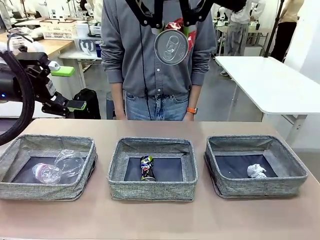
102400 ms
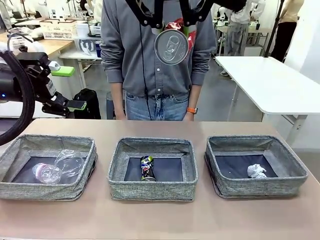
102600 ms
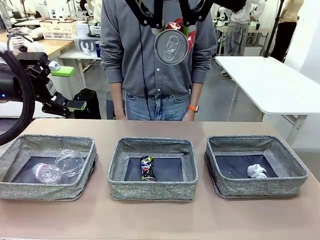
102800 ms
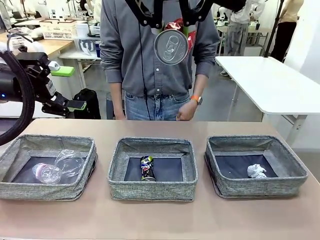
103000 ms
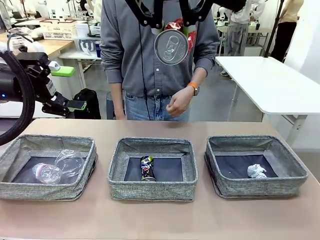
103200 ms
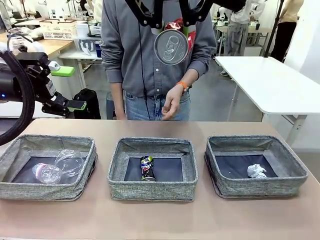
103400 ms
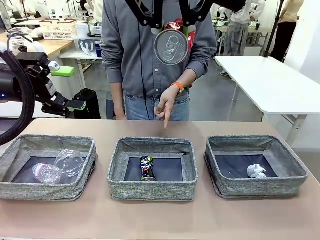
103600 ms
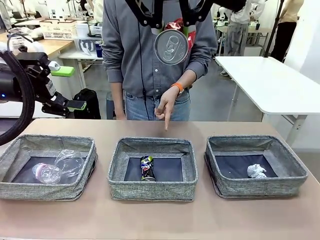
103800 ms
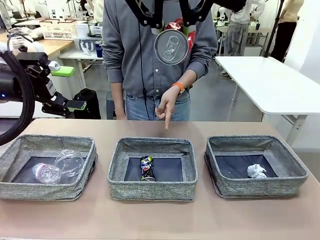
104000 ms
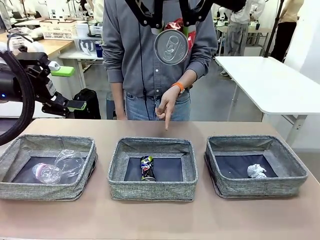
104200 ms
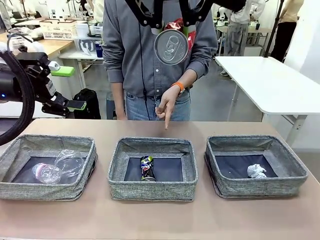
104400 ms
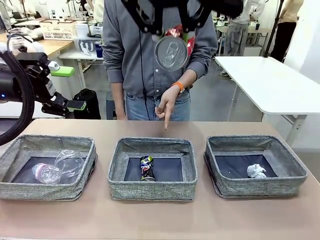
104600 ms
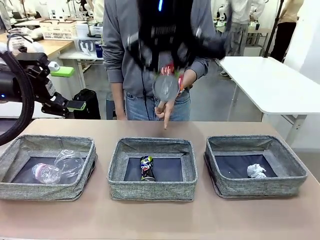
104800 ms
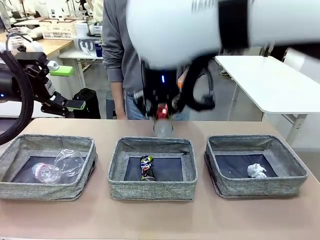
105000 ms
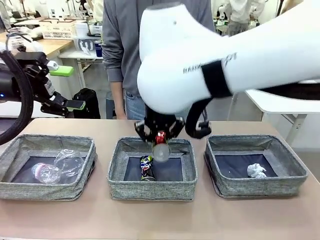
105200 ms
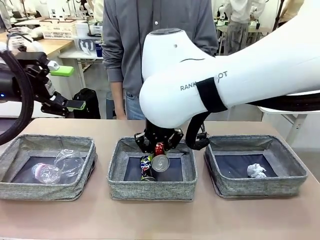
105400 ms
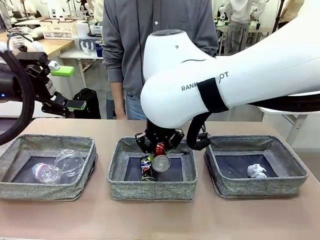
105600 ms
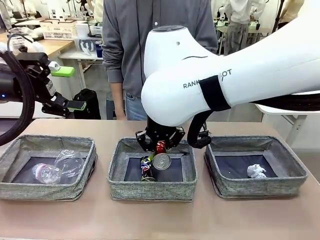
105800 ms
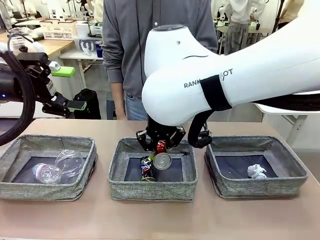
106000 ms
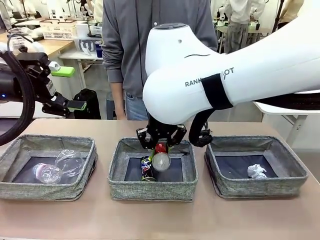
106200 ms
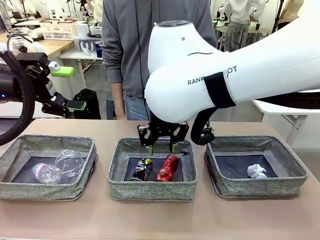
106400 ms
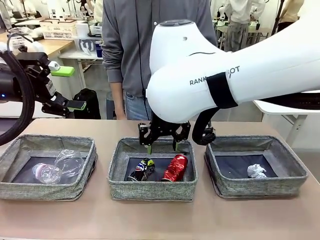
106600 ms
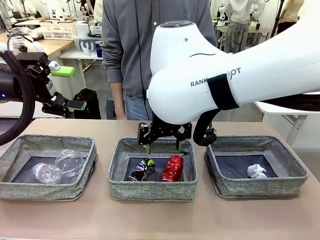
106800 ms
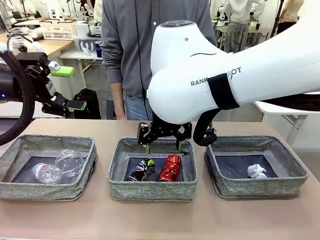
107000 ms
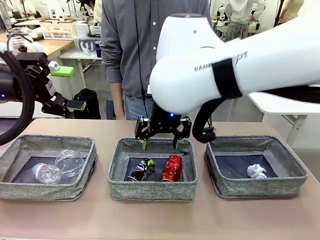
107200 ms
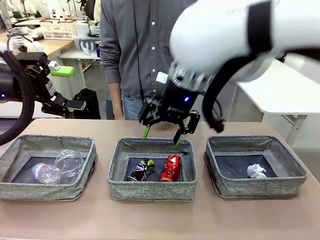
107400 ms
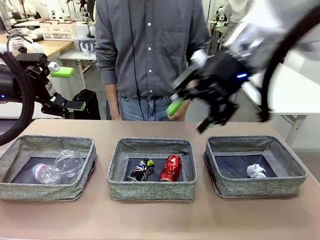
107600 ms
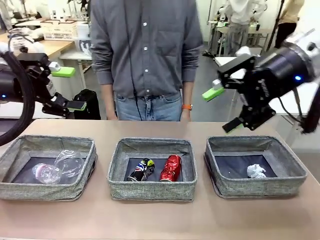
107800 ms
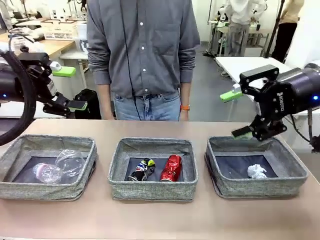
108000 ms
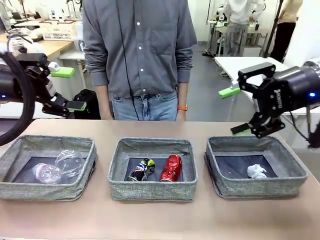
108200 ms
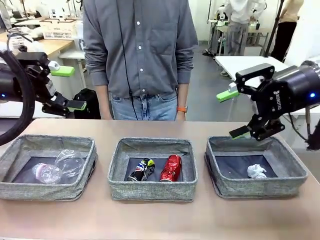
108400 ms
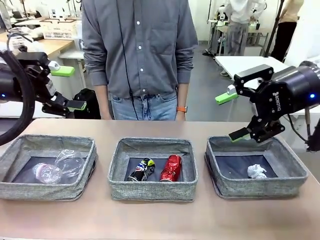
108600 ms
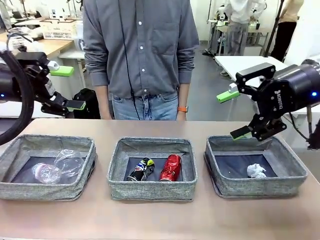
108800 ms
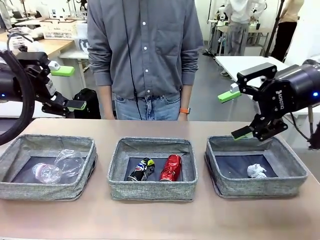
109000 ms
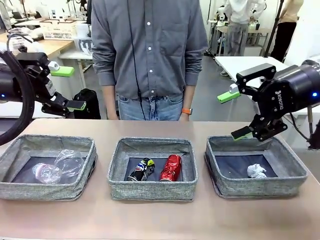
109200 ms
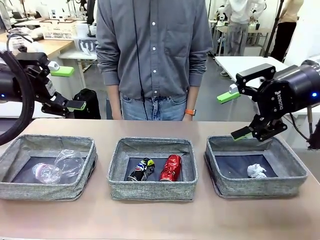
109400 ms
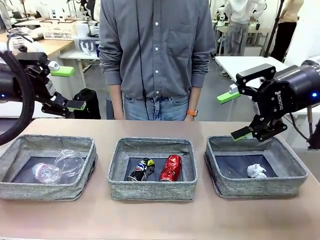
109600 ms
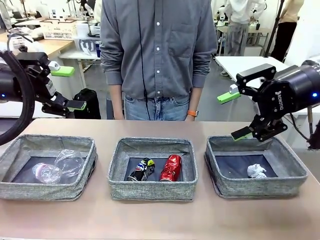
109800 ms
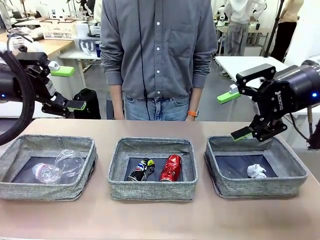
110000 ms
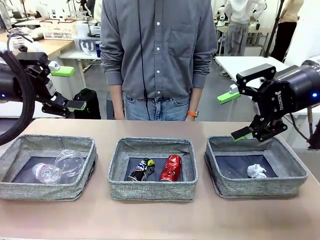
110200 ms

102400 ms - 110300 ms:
Task: Sort the waste into the appropriate baskets.
Robot: Place the picked waste into the Fabric basket indicated by the person.
Person: Instructs the robot to place the picked-up trash into the appropriate organizing basket.

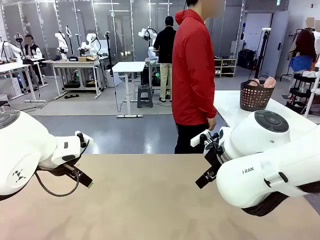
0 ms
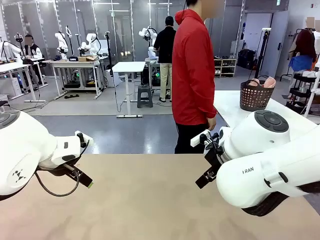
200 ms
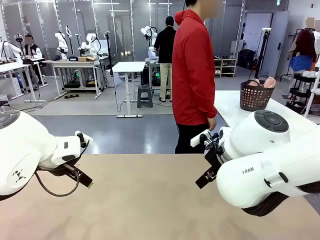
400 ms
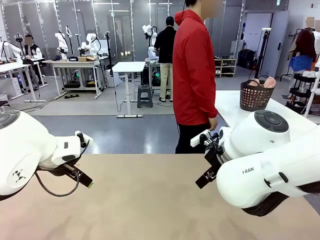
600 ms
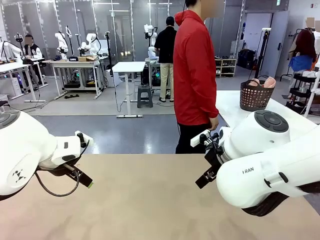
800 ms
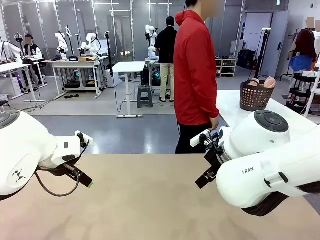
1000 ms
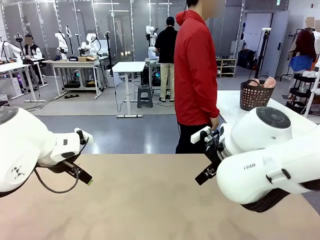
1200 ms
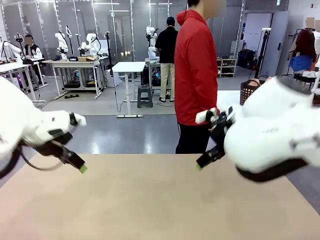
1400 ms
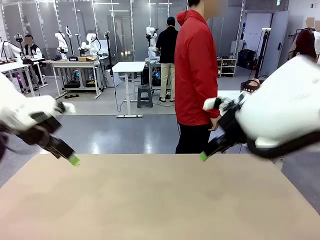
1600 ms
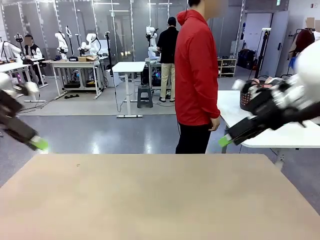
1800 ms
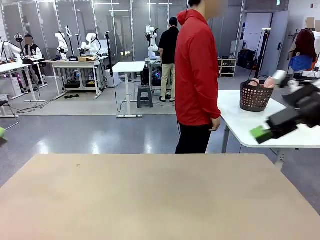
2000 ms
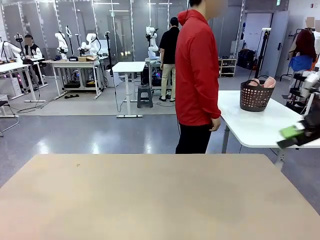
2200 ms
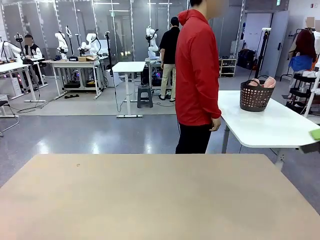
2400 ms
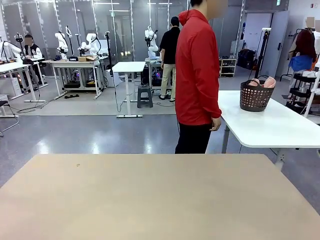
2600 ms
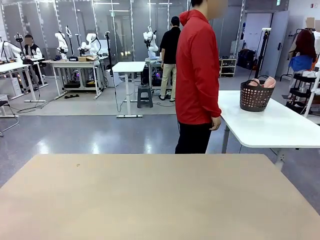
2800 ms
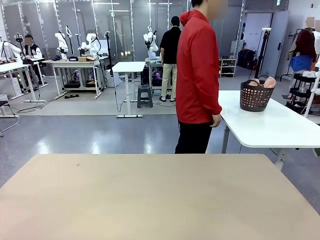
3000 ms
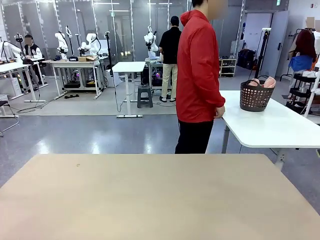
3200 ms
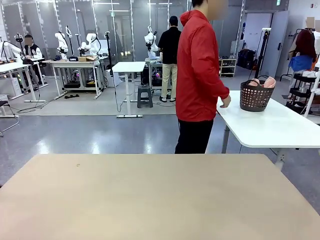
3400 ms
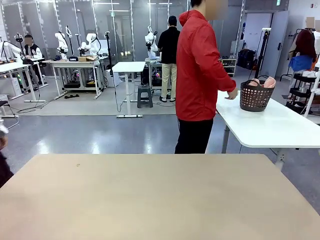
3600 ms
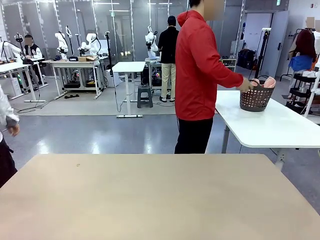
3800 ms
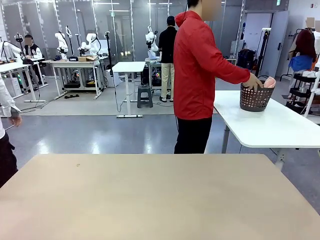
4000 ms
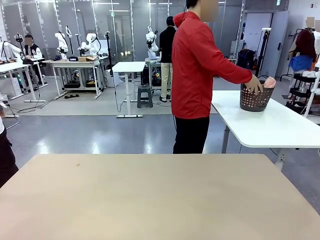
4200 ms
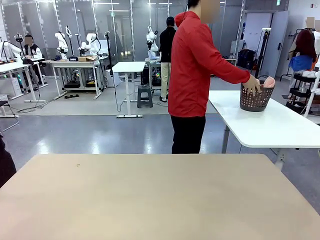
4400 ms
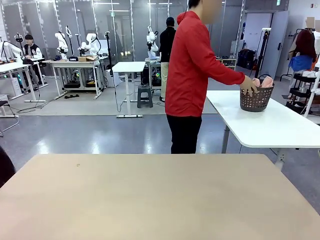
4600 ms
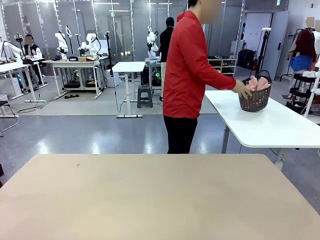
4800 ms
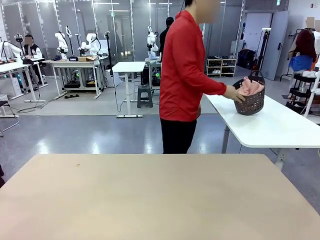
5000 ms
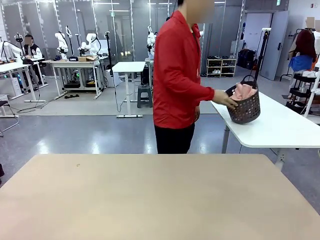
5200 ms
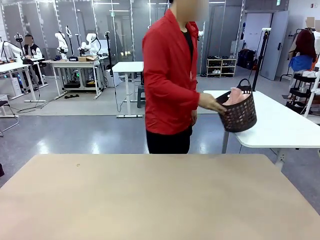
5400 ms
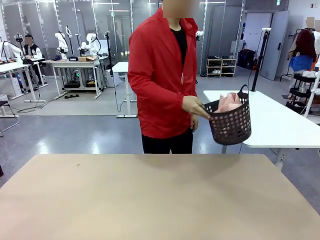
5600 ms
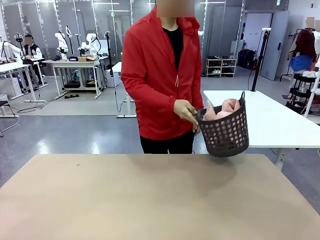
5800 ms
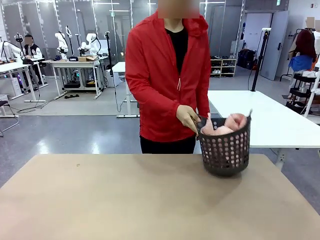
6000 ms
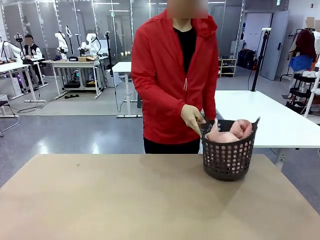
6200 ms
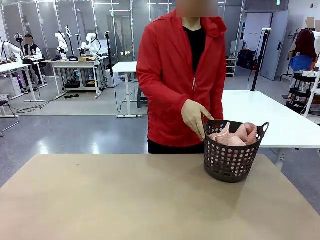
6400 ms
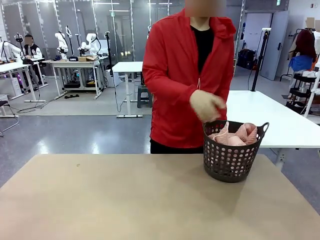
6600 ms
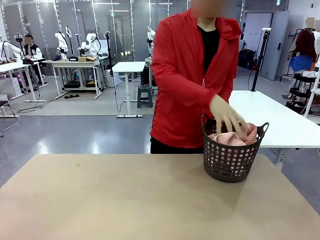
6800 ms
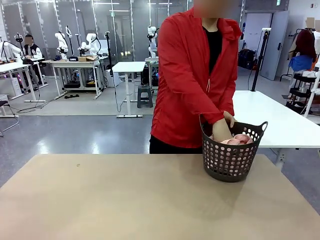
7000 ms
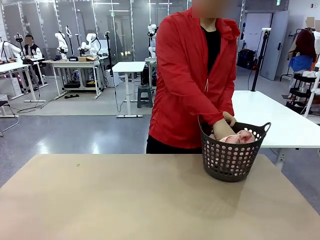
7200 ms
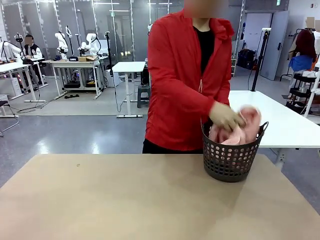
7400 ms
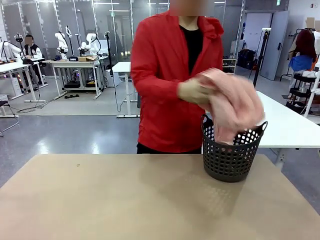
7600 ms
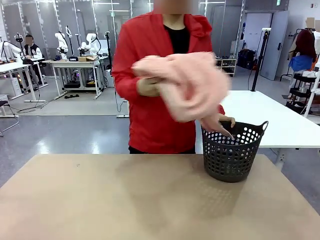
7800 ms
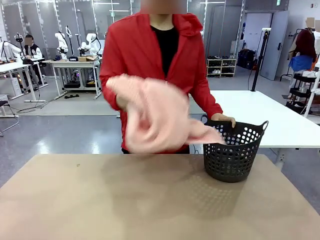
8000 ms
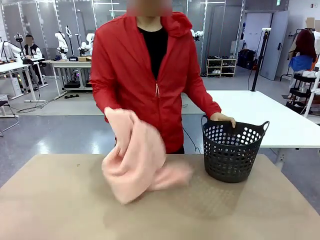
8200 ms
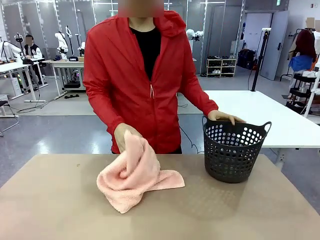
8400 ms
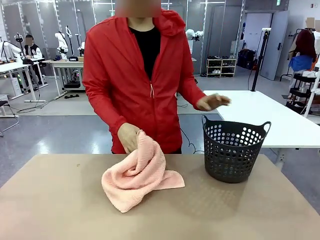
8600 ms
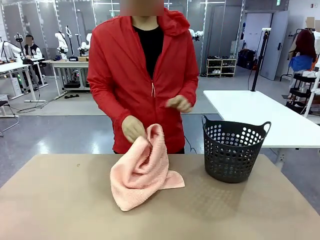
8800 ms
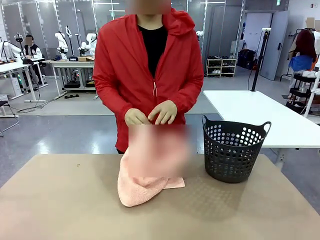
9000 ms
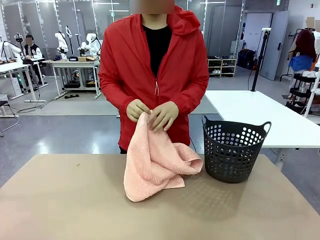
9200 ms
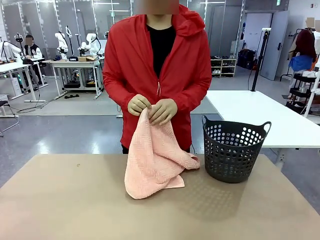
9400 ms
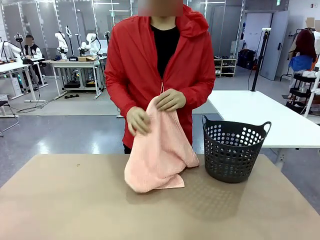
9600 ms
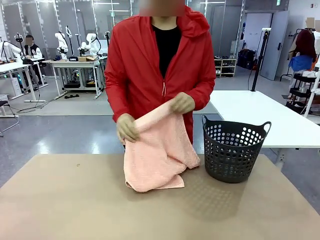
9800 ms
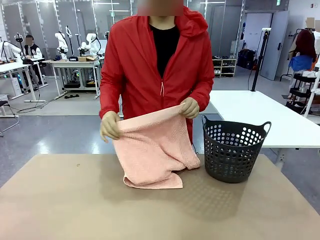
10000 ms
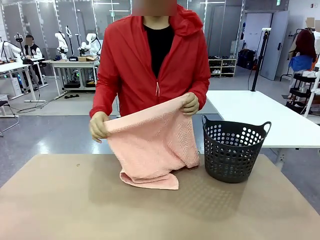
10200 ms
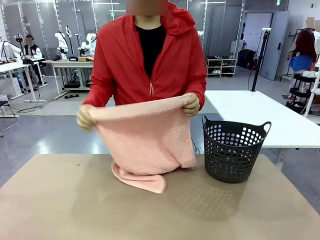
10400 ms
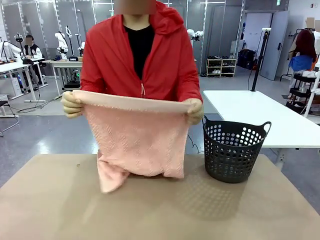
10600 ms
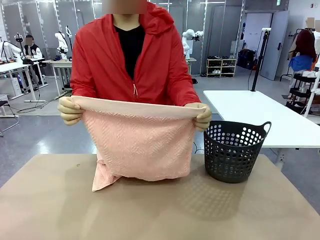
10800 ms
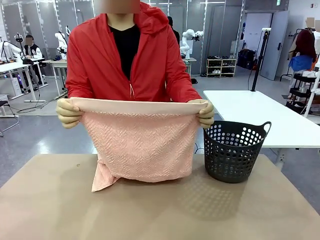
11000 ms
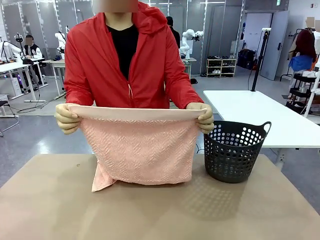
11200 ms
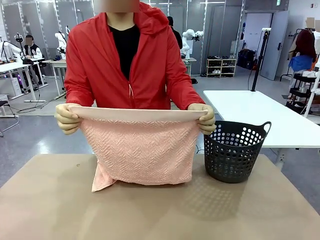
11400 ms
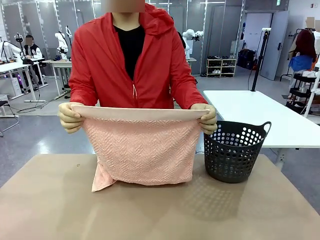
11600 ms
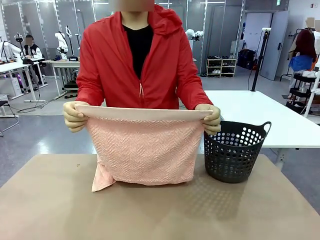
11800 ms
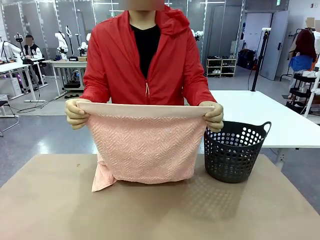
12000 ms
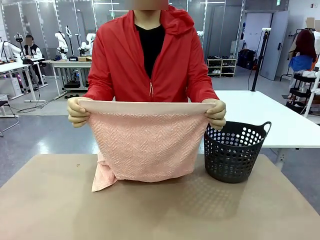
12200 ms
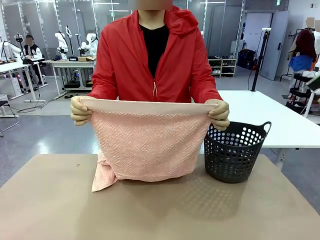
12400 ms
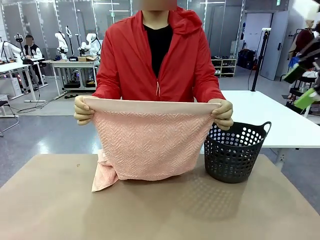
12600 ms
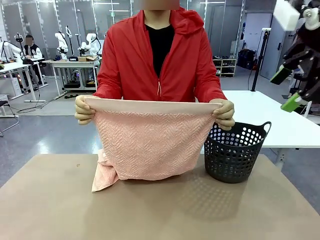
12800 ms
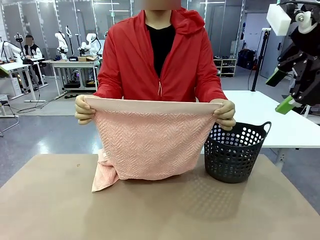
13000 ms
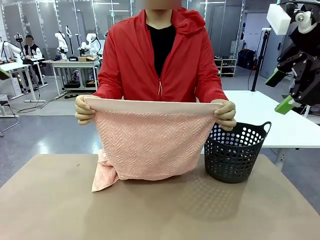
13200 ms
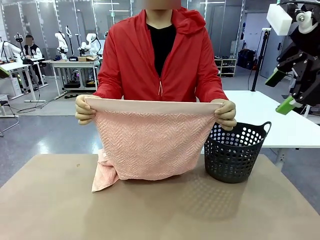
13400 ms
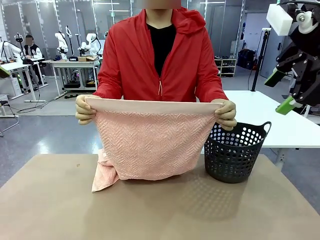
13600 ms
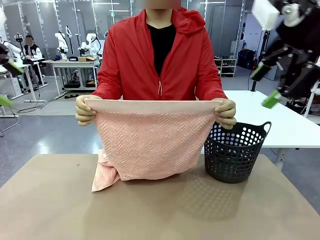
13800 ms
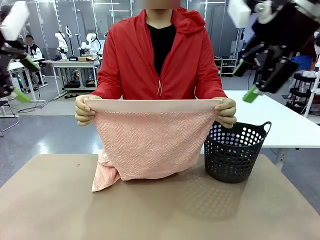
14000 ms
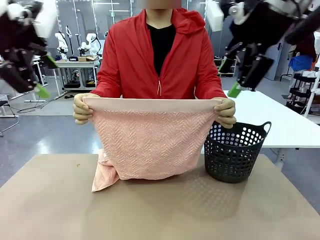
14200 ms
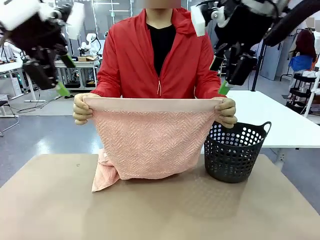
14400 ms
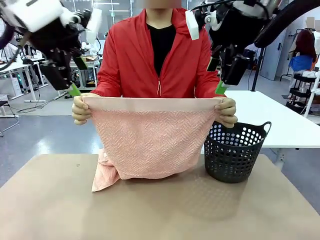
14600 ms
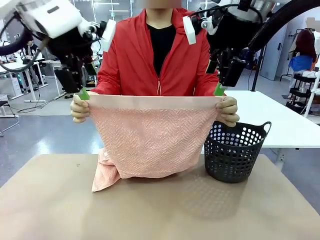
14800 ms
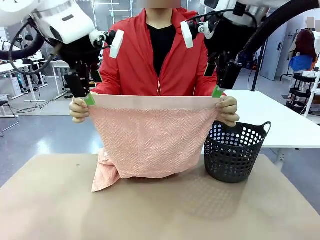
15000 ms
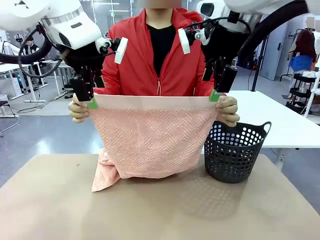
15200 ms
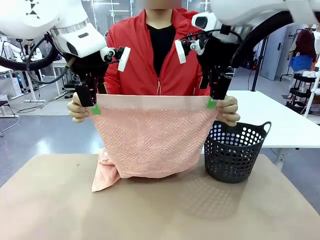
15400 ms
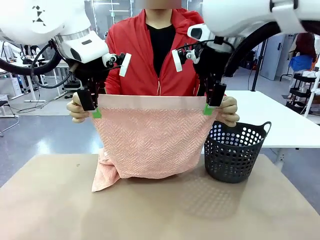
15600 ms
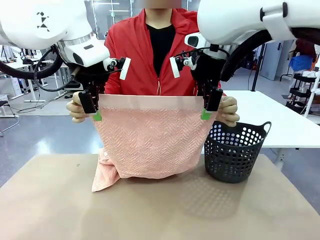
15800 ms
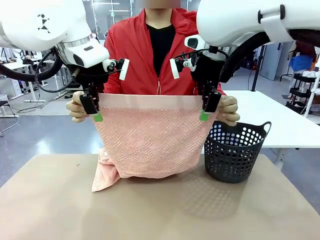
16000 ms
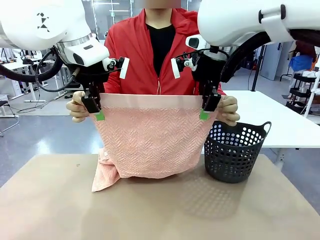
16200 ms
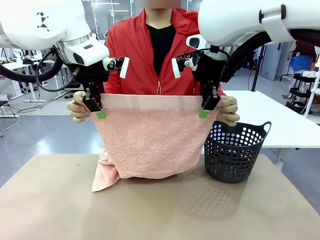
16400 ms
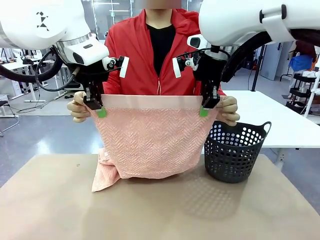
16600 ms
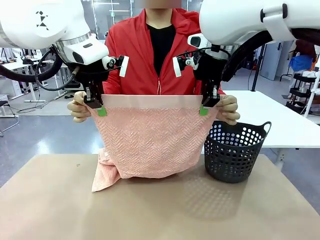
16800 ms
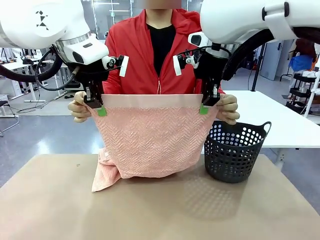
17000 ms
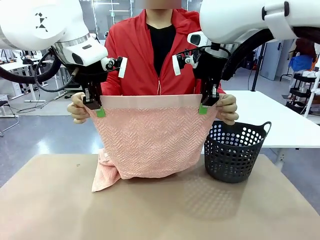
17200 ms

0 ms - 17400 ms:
Task: Fold the towel.
Robot: Grab the top end of the 100 cm Hotel Towel extended by the human.
Person: Pick up the laundry basket, place it on the left side of the robot table, then take out a towel and hand it to the robot while holding both corners of one end.
